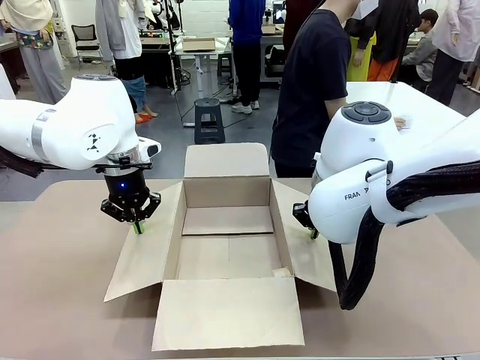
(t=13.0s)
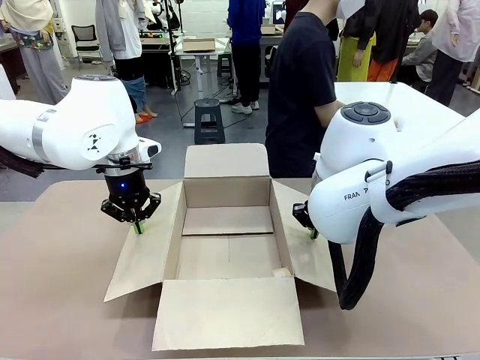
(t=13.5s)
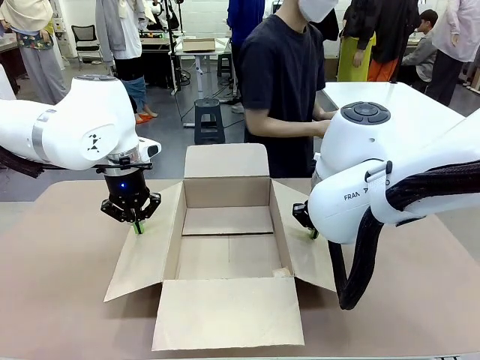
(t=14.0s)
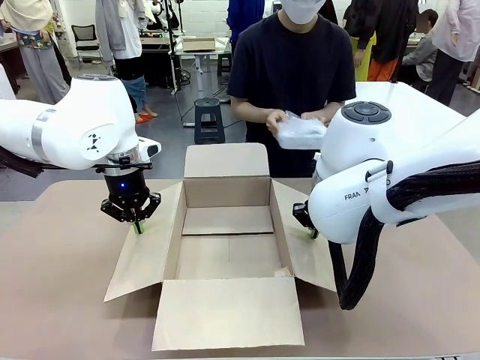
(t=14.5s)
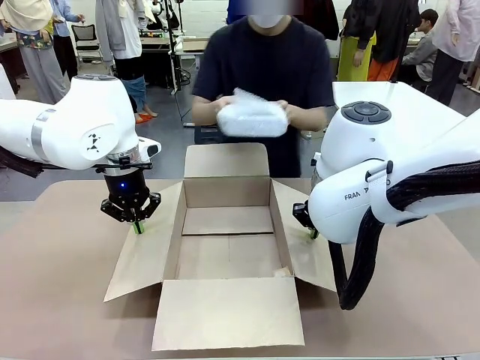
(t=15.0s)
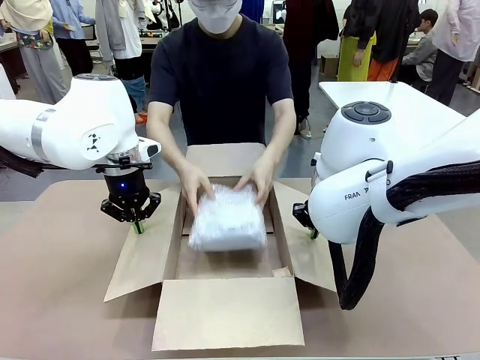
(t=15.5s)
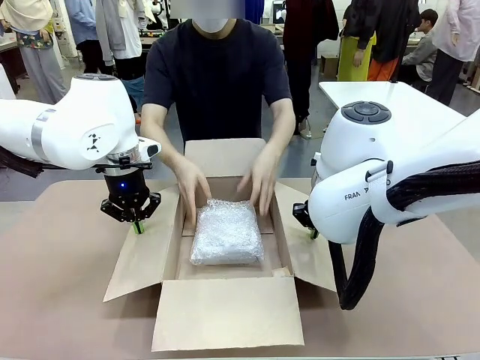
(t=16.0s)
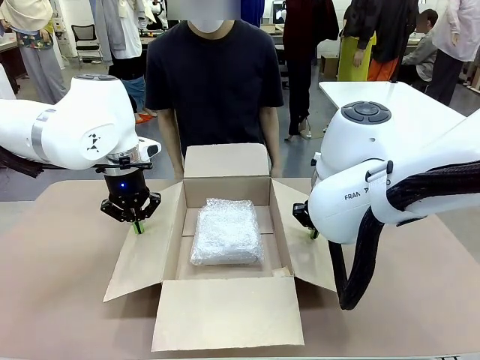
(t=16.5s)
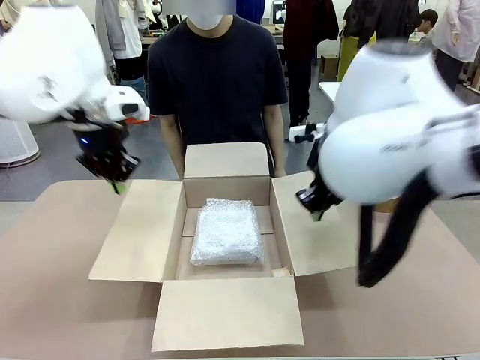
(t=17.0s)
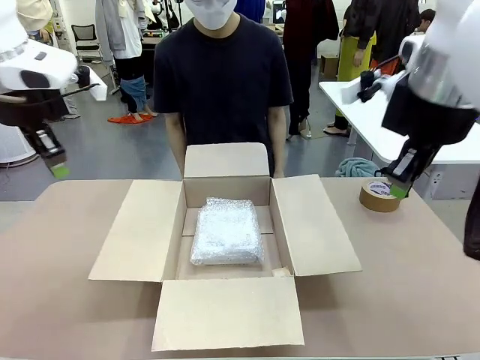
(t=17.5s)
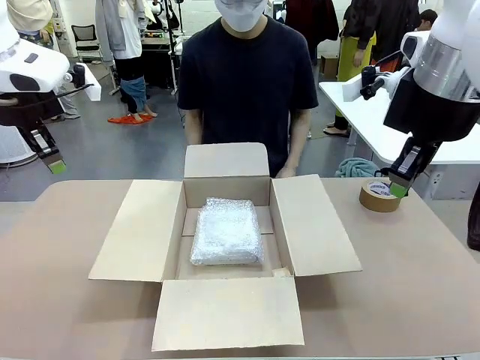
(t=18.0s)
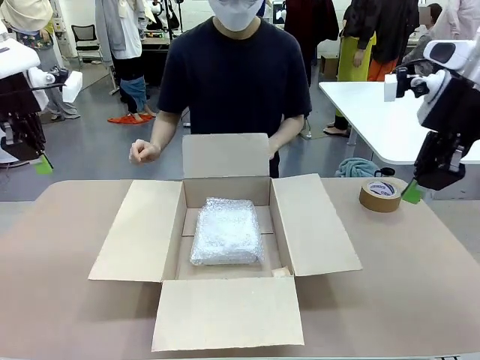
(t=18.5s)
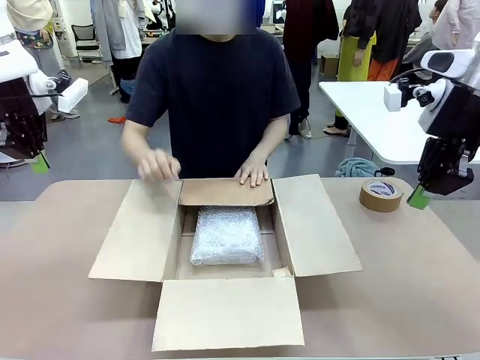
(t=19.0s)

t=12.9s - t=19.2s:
Task: Wrap the clocks to prevent damage.
Robot: Once the human has placed the objects inside and stepped back, release both hands from the side flaps of the Package Box.
Person: Place the wrapped Digital clocks inside the Package Box.

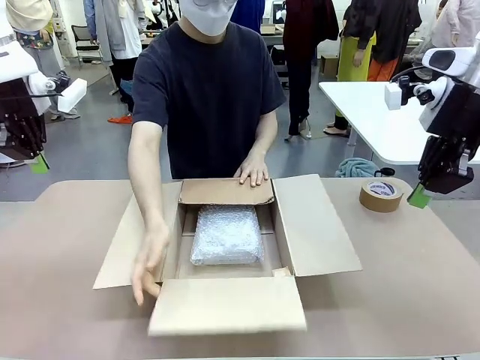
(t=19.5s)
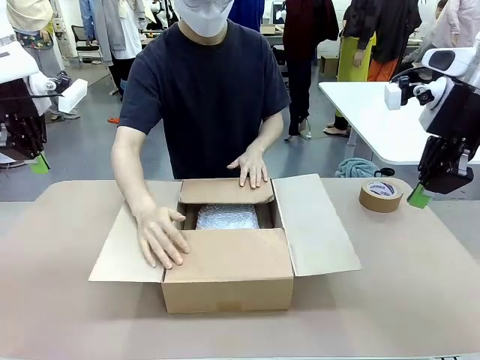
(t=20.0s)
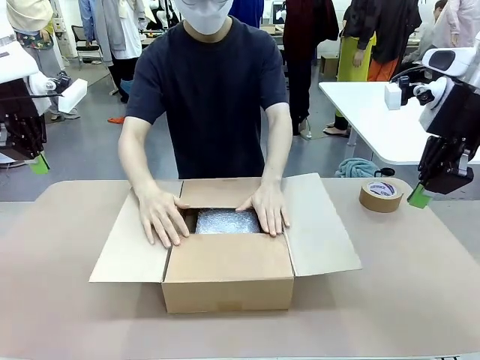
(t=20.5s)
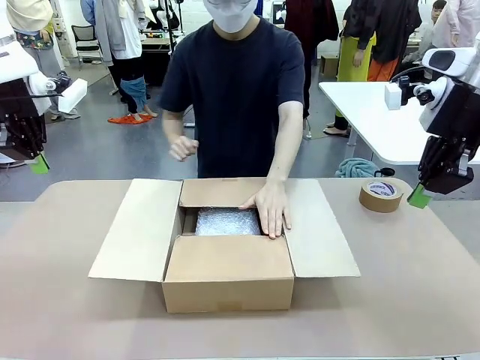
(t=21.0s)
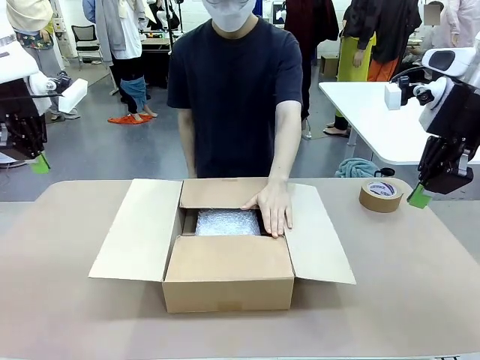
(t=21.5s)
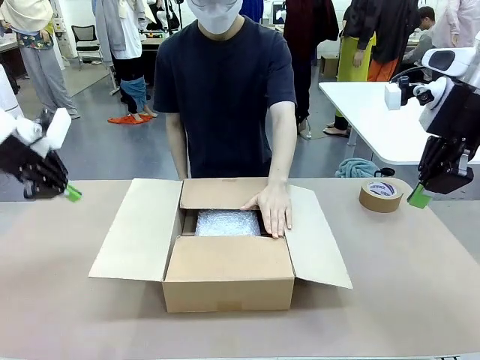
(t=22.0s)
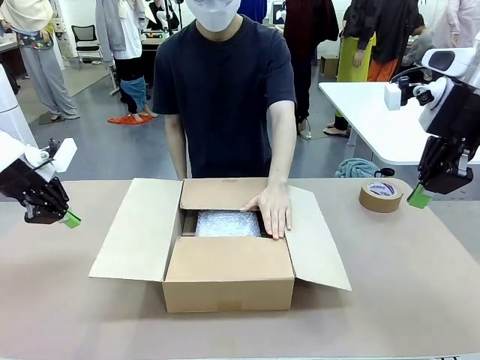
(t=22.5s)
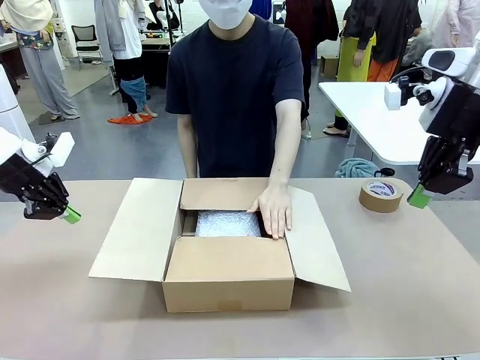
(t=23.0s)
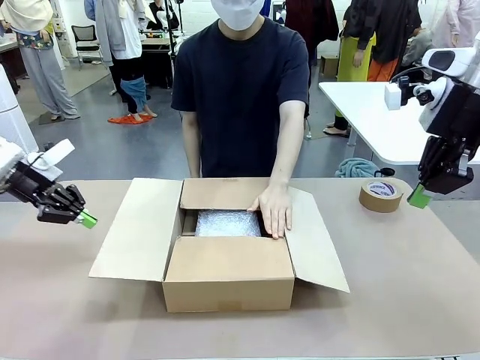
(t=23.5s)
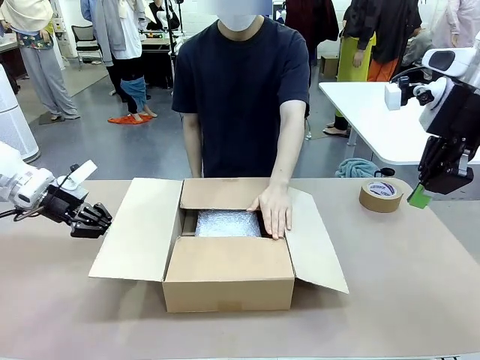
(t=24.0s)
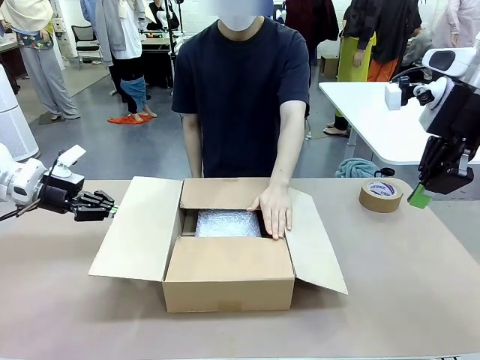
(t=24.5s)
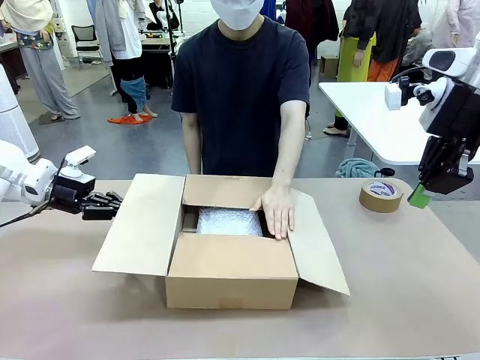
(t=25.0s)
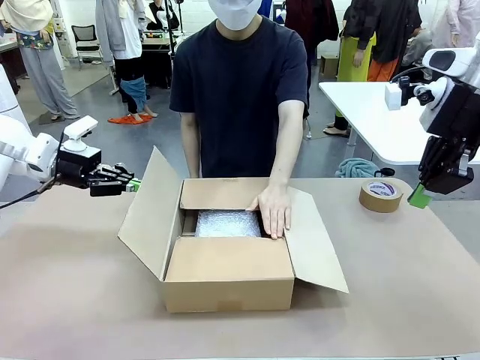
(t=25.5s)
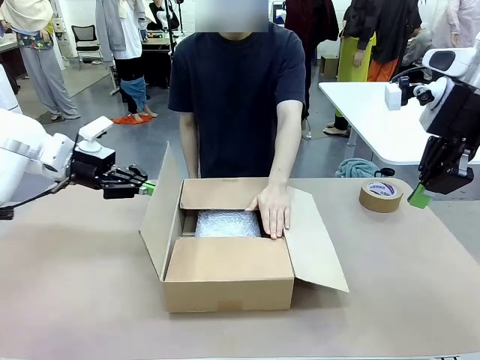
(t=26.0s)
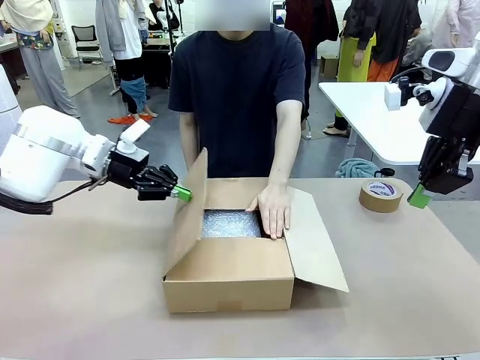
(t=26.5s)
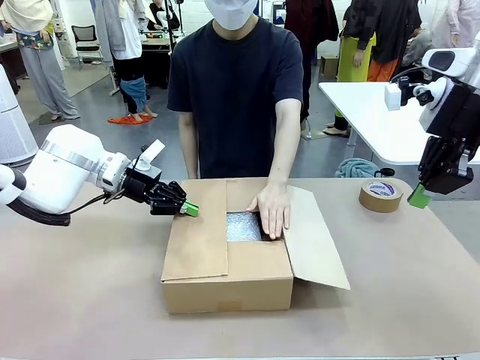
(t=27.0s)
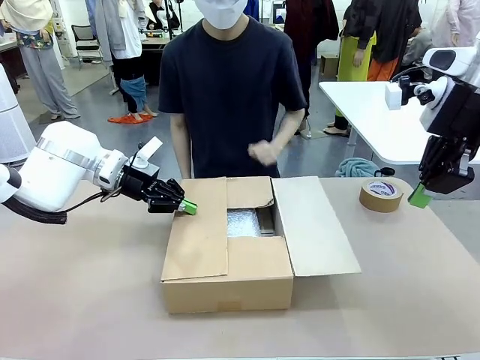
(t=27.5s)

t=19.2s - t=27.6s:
Robot: Push the right (or left) flap of the Package Box to close it.
Person: Hold the top and bottom flaps of the Package Box closed with your left (or right) hand. Once the robot closes the right flap of the Package Box , release your left hand from the box.

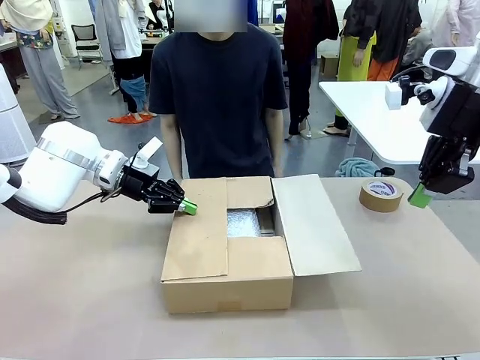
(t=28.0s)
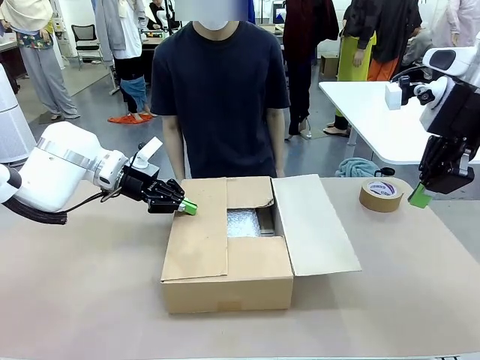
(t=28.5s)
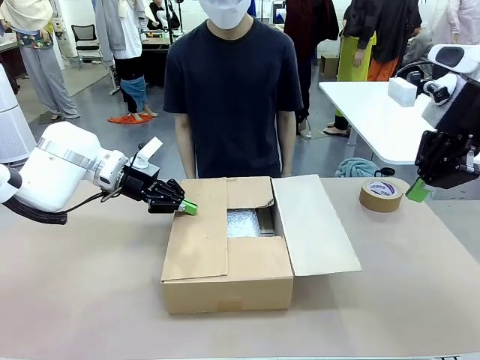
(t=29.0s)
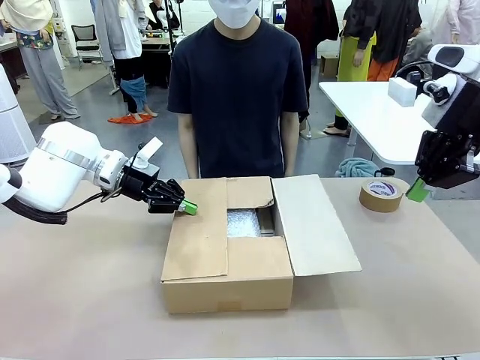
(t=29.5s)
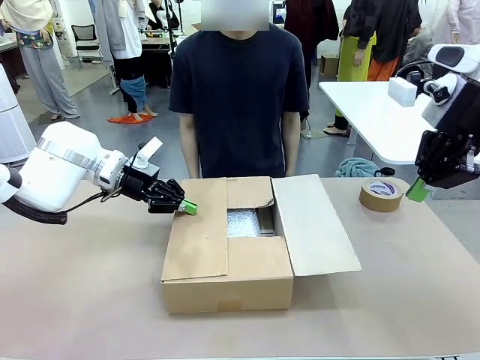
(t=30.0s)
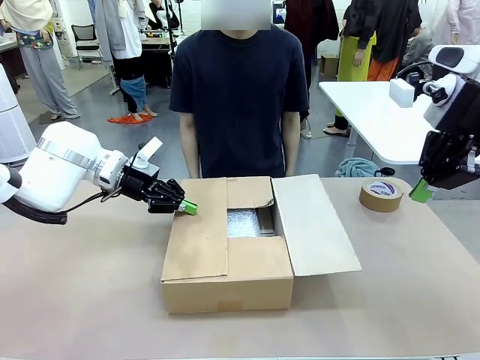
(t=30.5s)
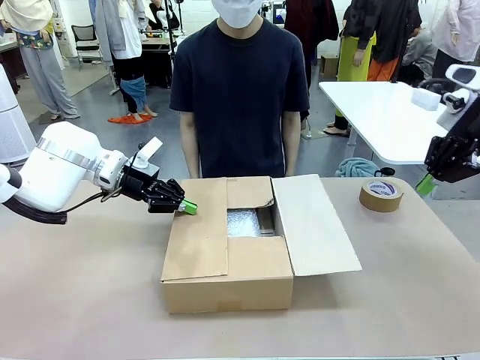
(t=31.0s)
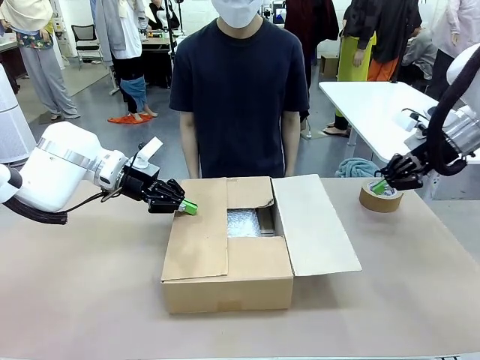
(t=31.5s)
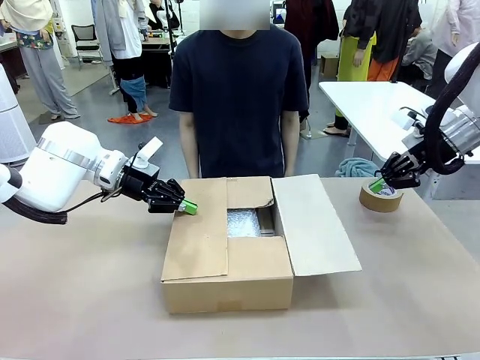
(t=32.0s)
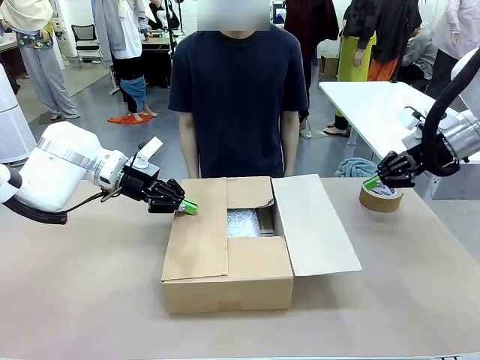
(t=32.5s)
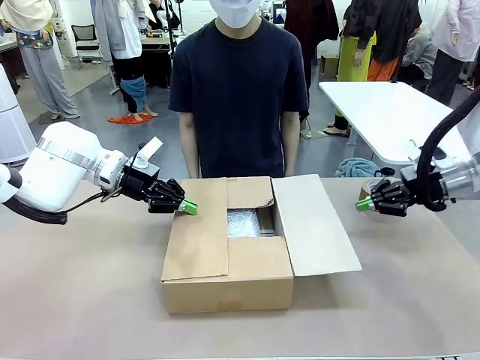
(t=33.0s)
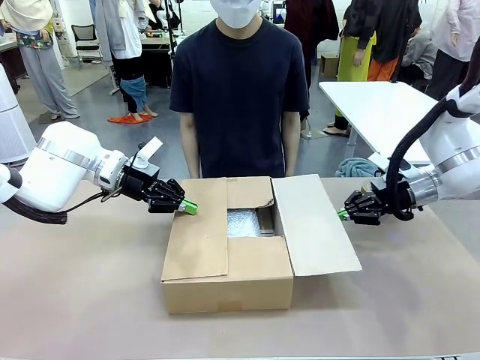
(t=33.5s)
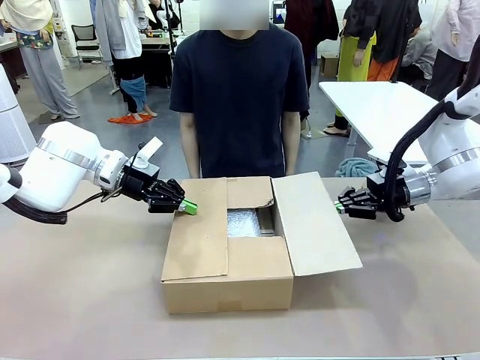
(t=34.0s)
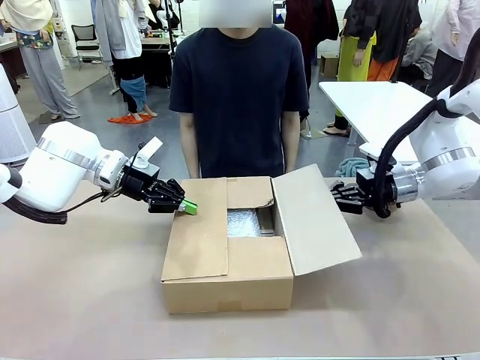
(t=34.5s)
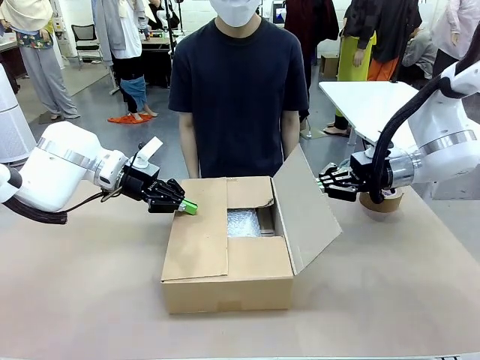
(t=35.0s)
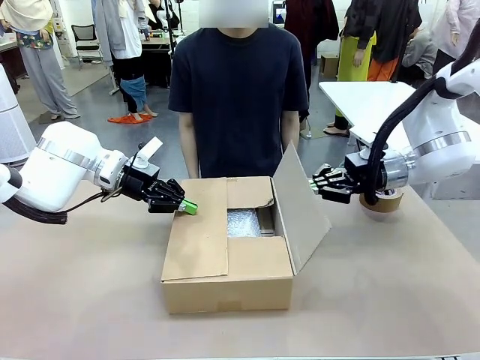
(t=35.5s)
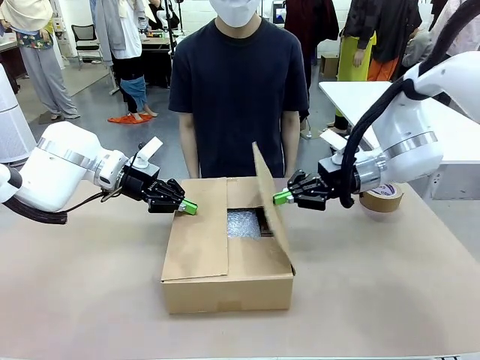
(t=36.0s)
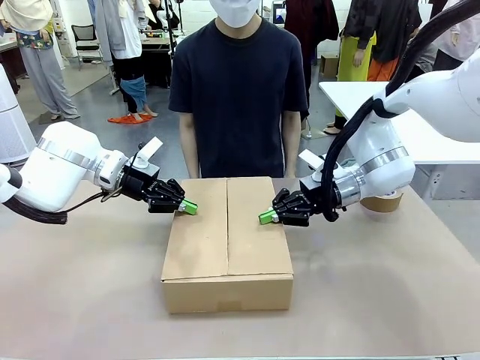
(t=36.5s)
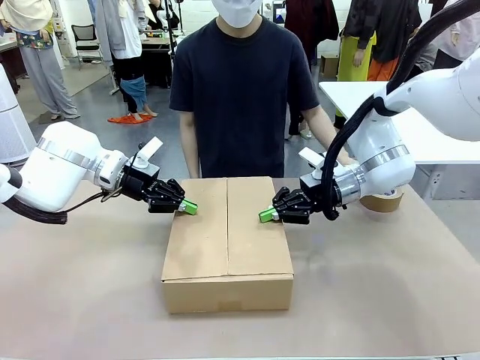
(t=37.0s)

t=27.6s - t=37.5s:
Robot: Push the left (or right) flap of the Package Box to close it.
